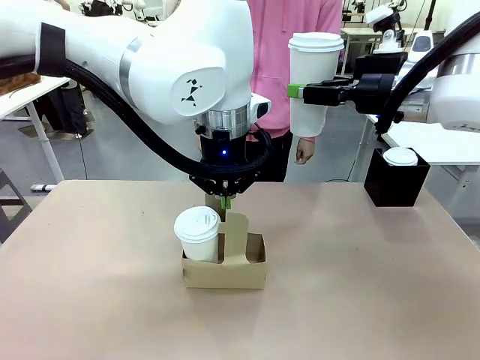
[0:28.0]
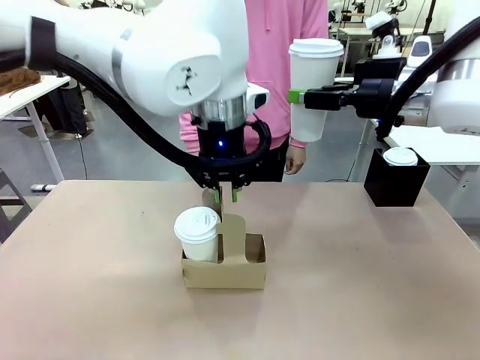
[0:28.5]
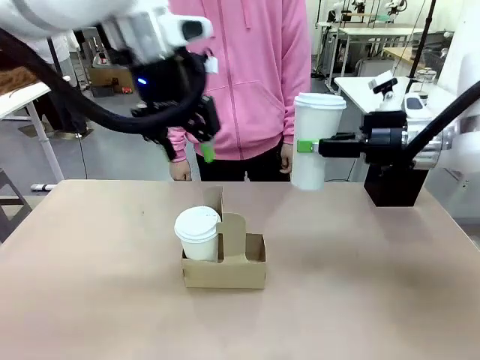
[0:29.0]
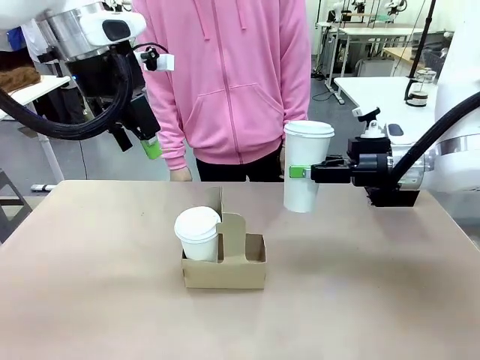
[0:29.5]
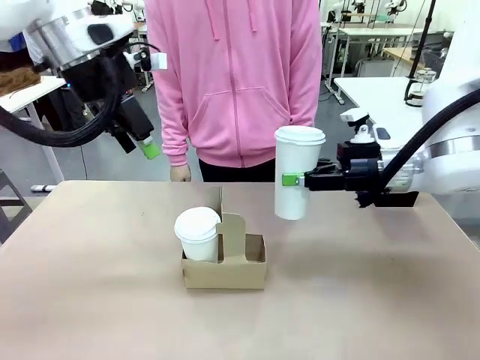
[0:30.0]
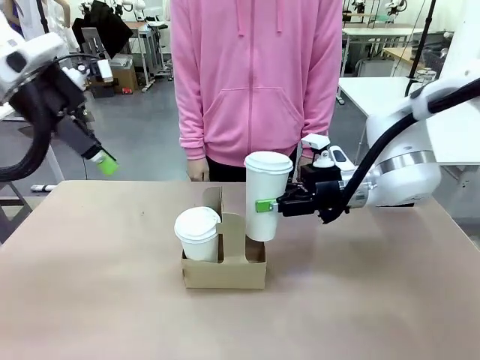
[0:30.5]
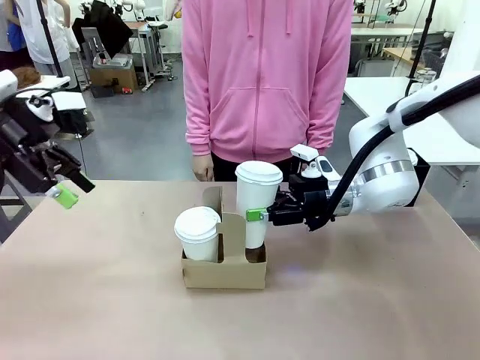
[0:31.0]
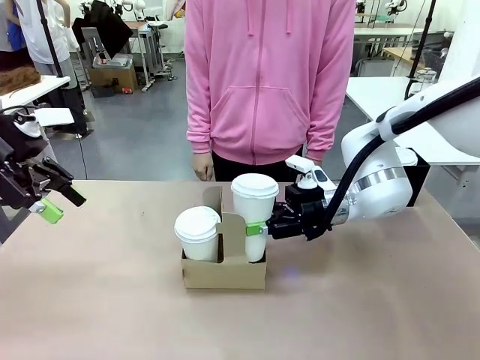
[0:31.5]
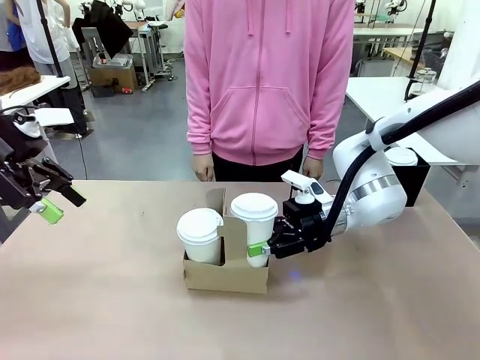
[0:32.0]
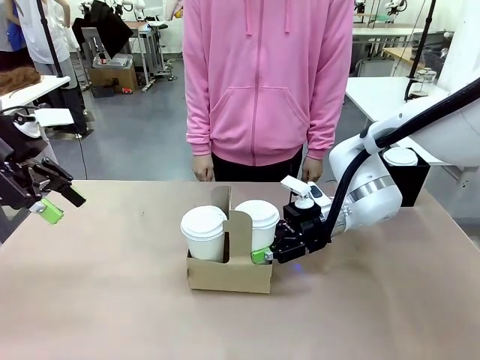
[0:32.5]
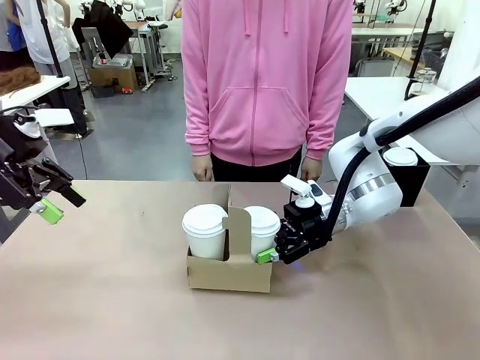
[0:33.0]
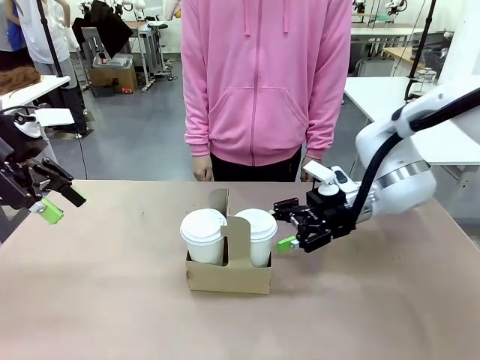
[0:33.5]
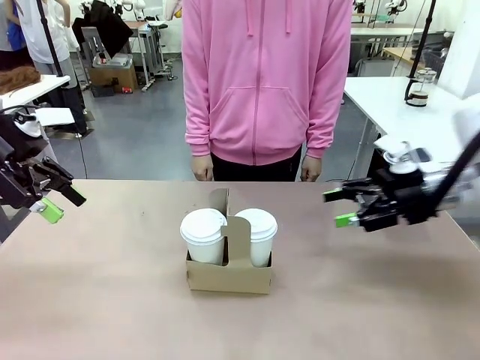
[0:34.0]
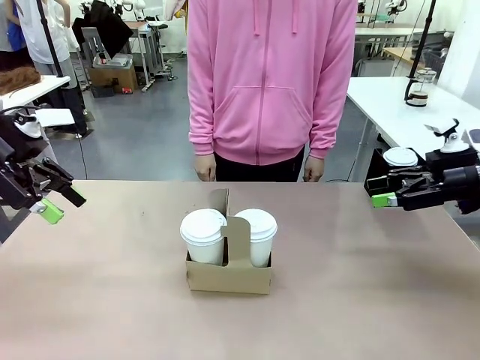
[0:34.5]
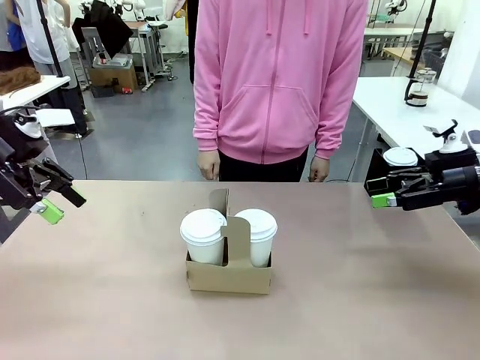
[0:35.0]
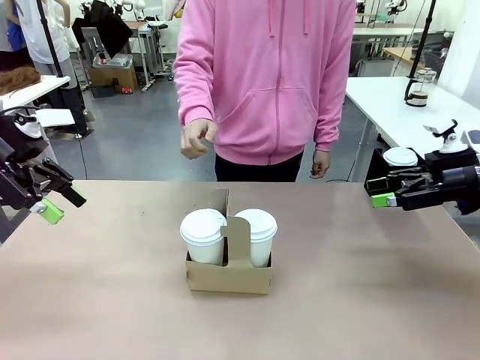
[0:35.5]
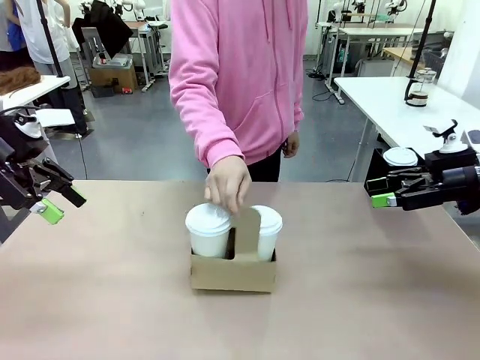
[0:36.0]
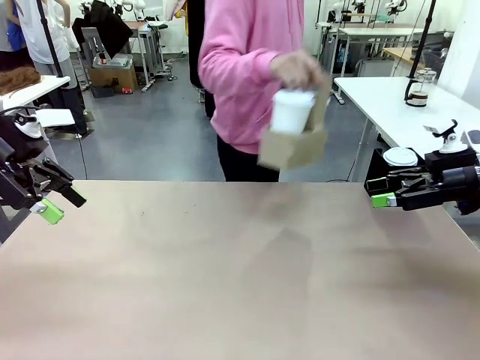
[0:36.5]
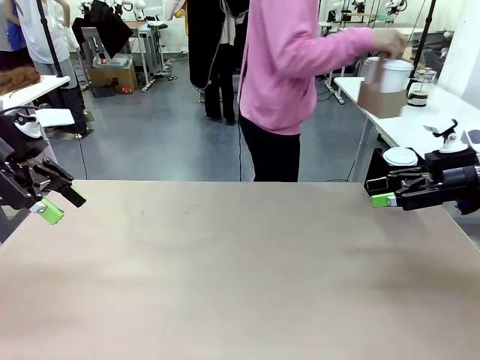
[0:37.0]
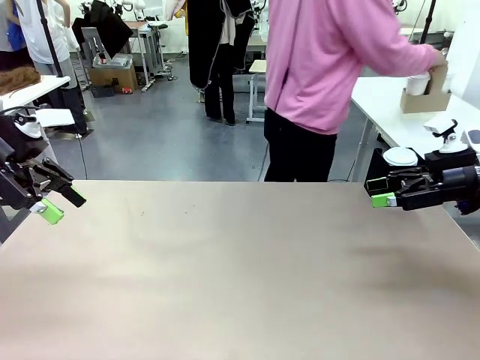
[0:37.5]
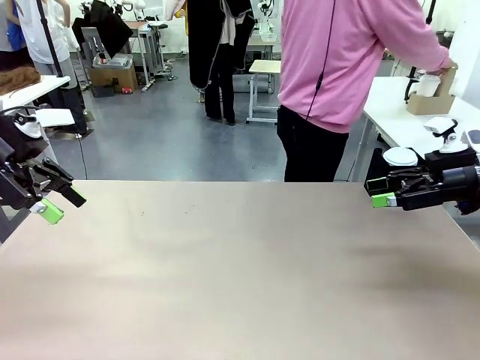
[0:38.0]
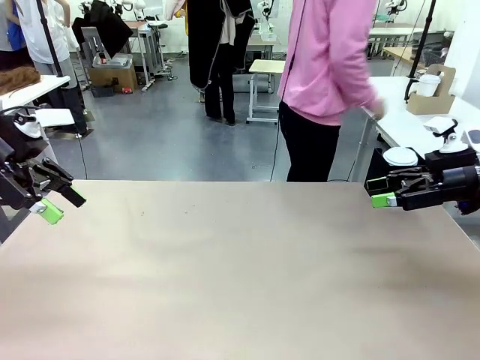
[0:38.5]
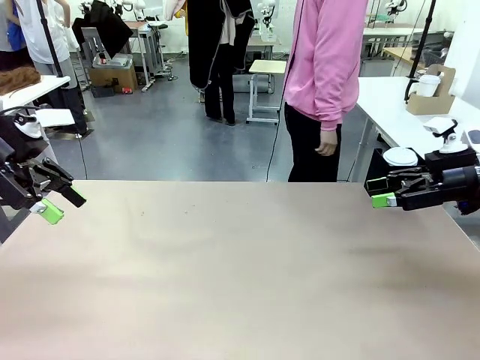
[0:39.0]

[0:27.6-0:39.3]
Task: Pour a drink into a cup and package it in a carrier.
Robot: Insert the held 600 ml Paper Cup into the Cup Carrier.
Person: Place the Cup Carrier to the middle of Human table.

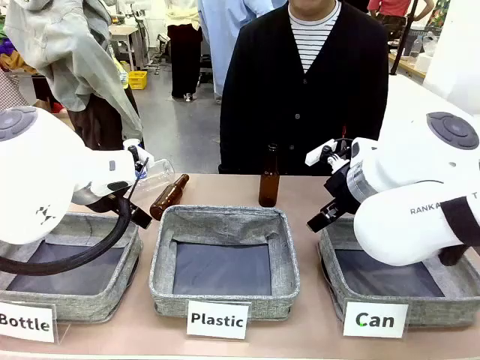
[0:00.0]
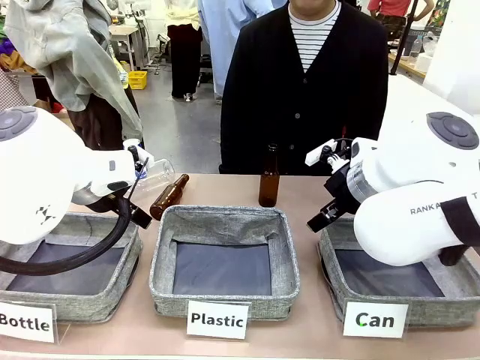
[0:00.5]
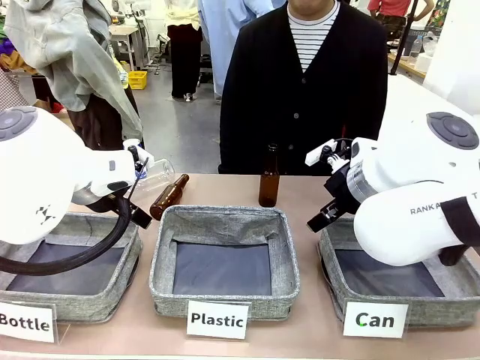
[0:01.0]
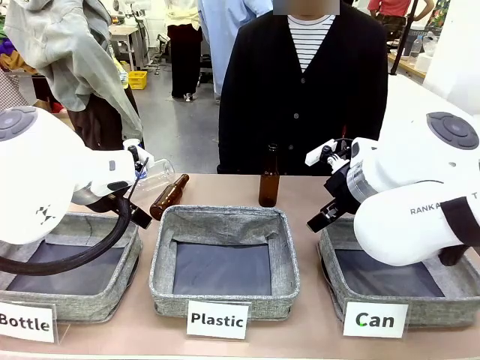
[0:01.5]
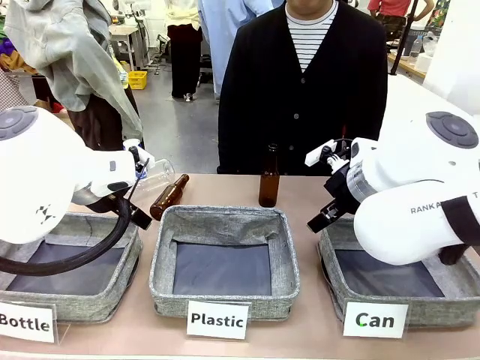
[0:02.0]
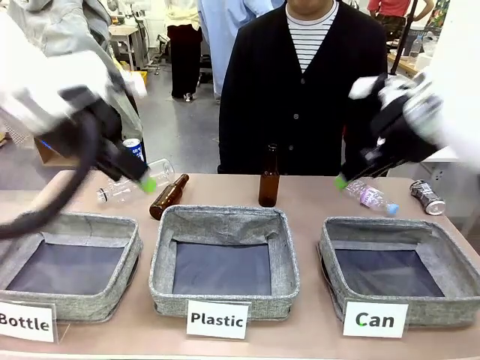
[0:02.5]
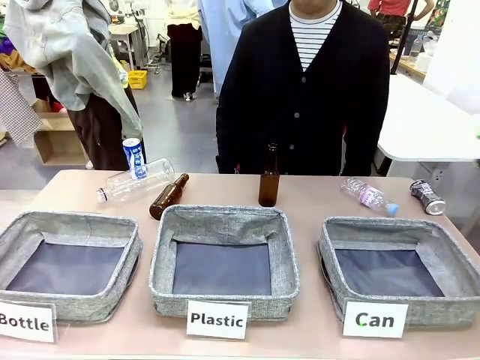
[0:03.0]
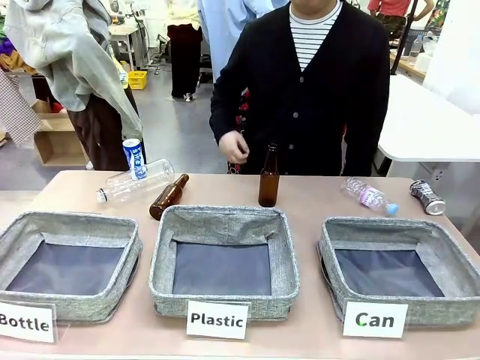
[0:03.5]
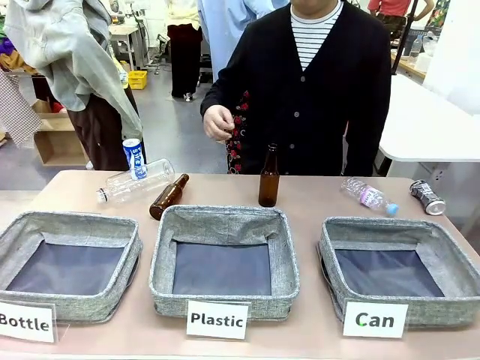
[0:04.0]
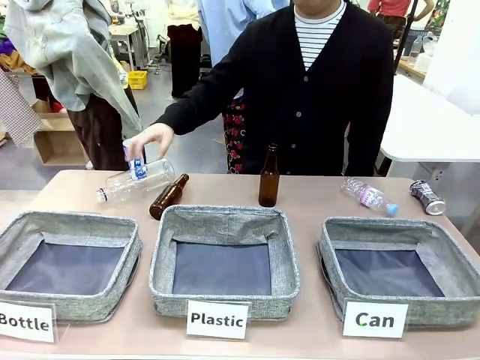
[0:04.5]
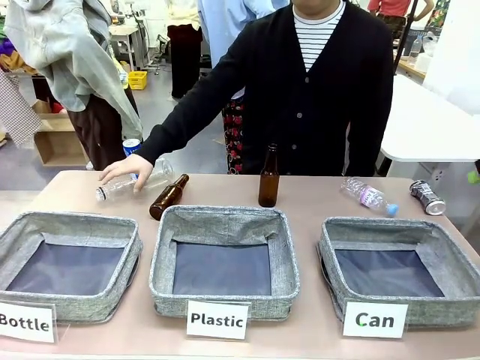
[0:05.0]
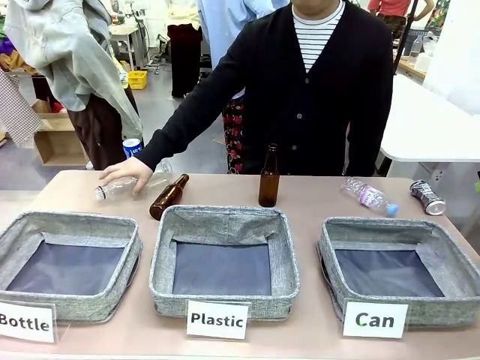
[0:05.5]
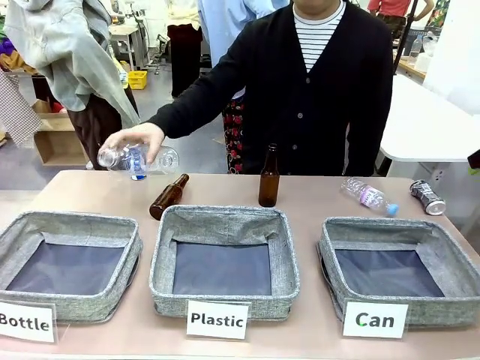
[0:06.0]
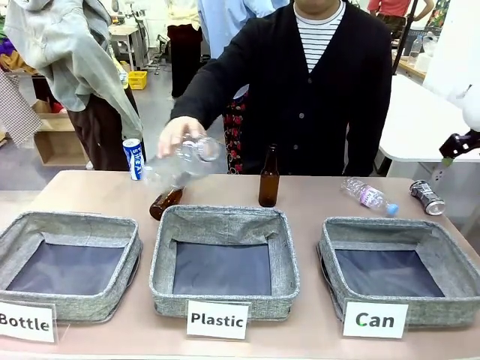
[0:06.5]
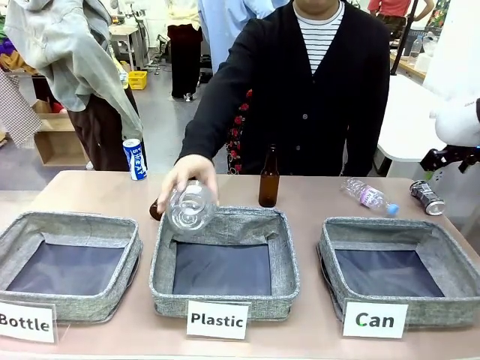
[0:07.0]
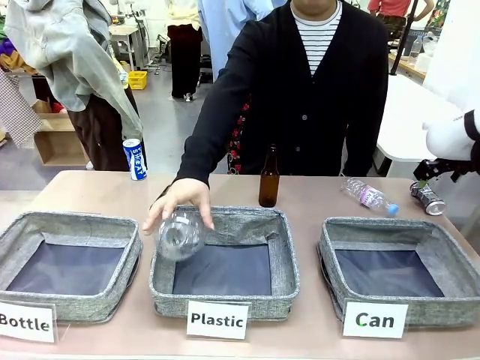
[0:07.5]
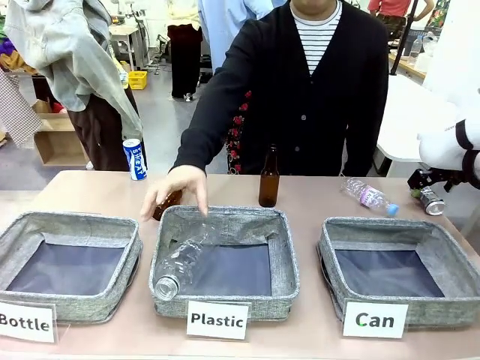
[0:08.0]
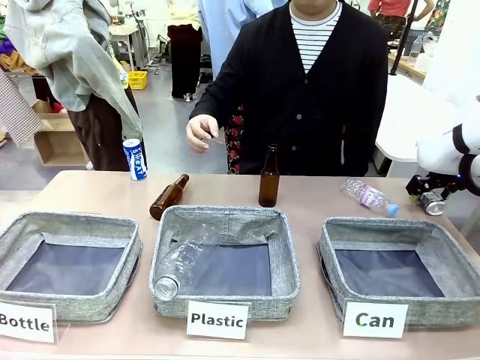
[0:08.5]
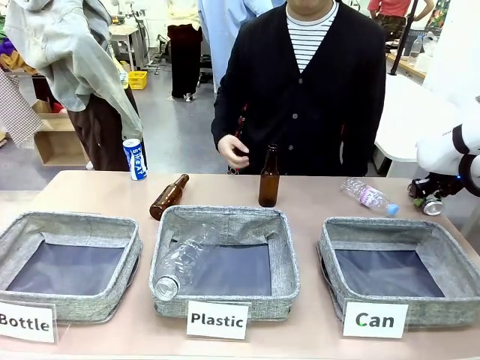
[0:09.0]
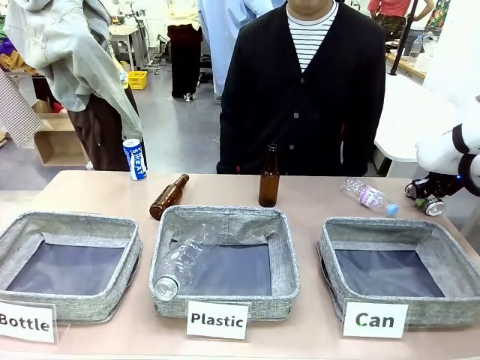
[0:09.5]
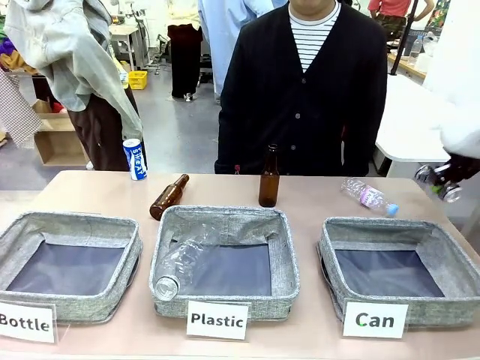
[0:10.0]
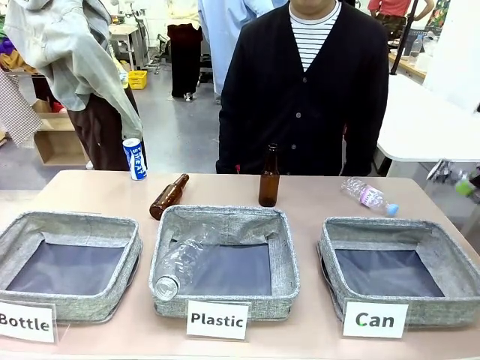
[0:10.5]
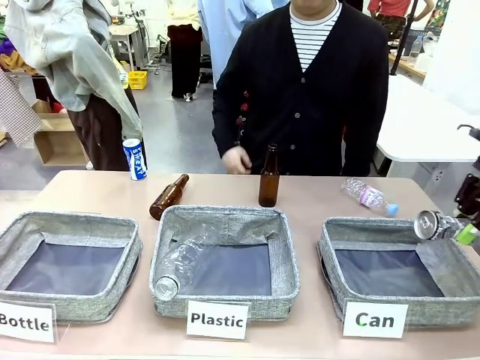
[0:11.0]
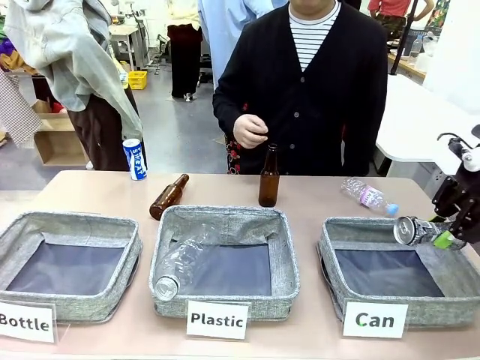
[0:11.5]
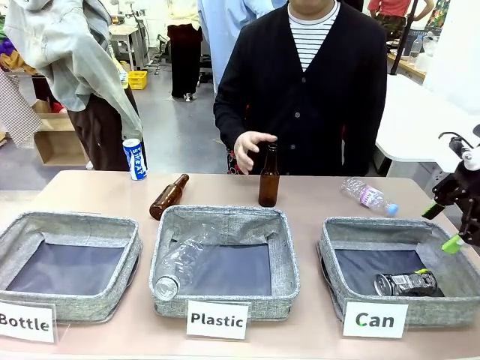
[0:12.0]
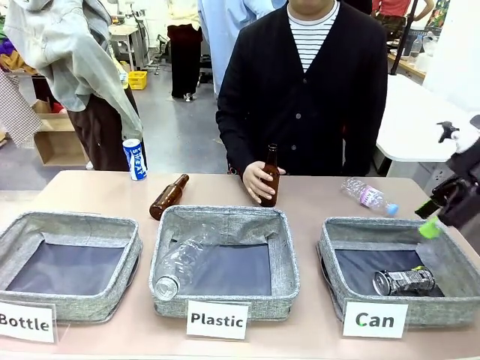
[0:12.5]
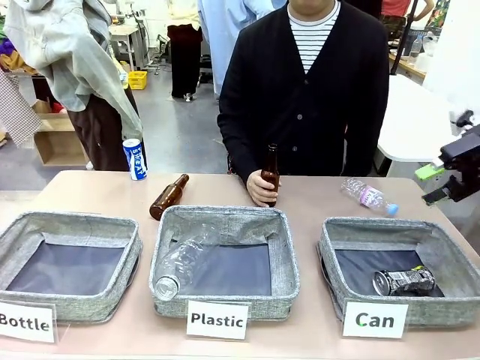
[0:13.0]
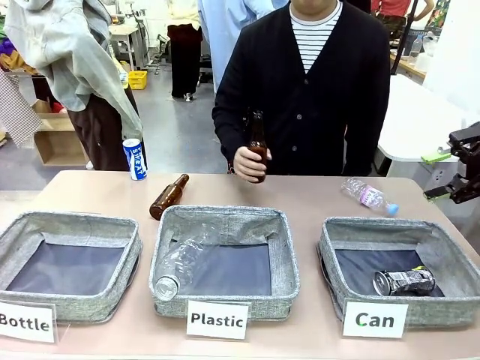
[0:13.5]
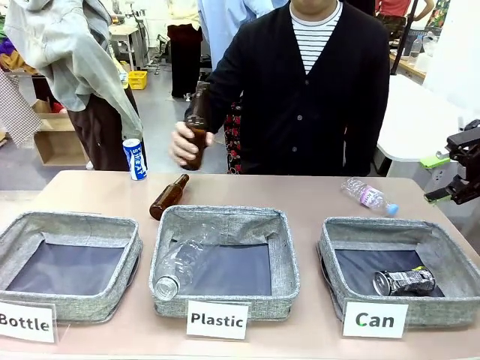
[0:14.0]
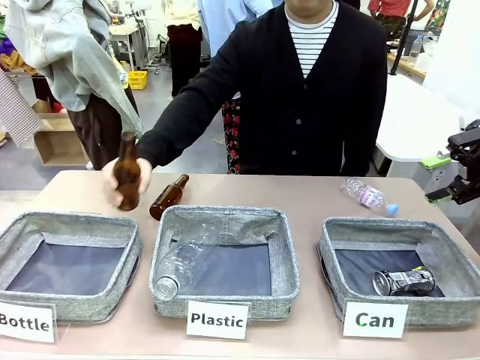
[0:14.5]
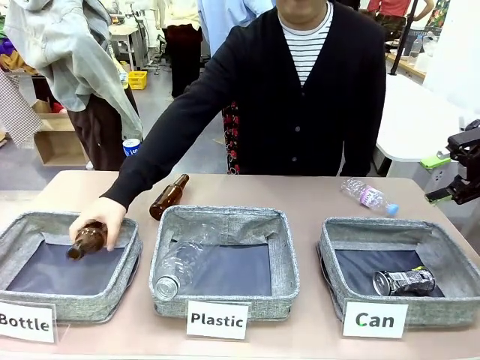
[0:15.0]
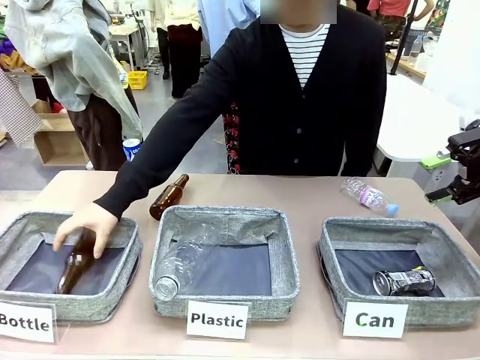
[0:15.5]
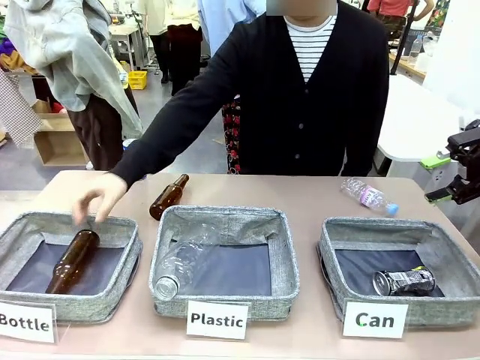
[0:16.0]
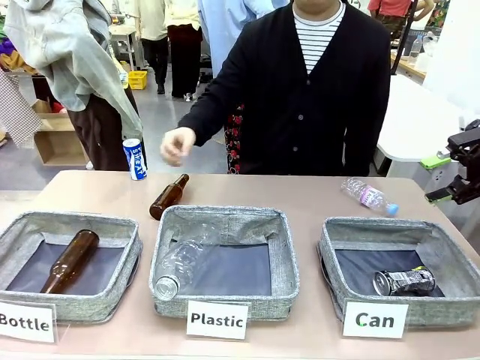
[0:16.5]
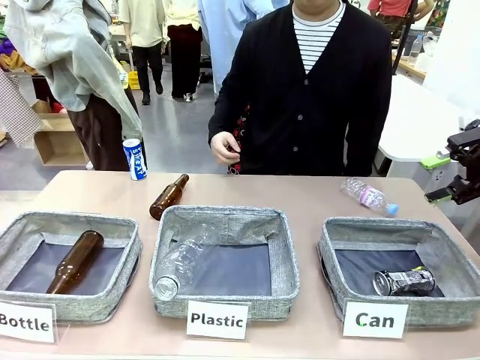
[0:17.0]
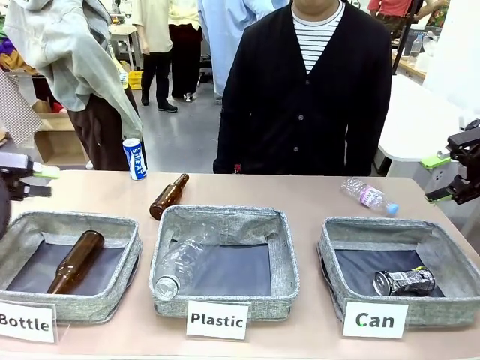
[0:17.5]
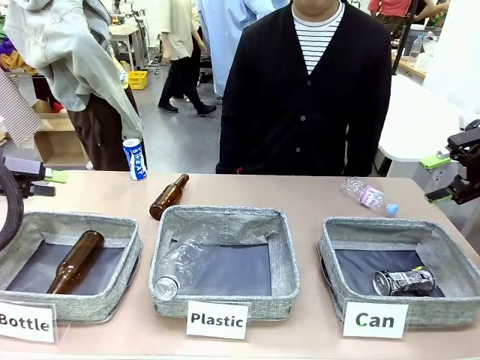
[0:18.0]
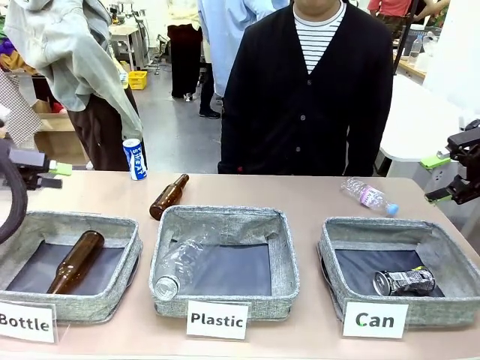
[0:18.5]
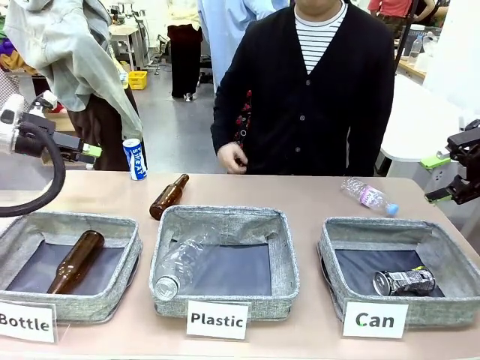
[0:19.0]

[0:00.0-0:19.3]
Task: Sort the can waste into the basket.
Robot: Pick up the can waste from the table and place it in the right Fabric basket.
